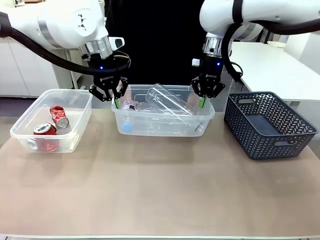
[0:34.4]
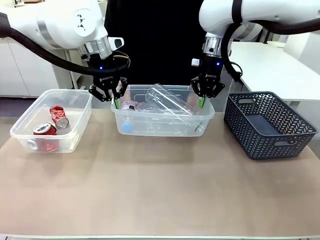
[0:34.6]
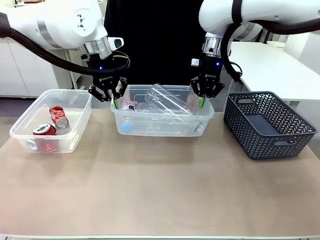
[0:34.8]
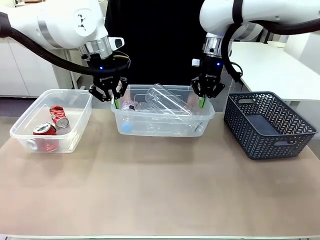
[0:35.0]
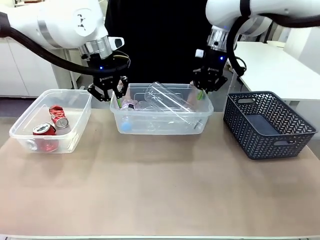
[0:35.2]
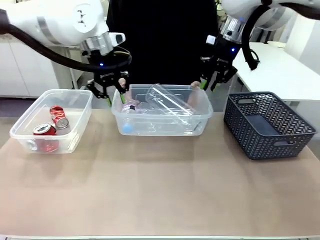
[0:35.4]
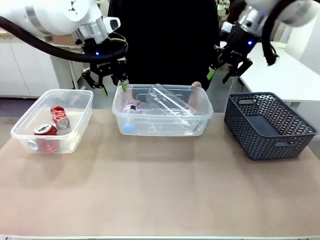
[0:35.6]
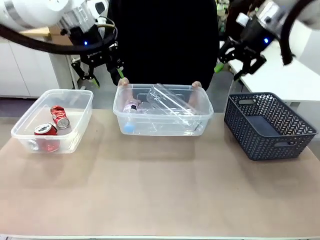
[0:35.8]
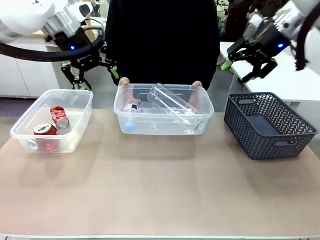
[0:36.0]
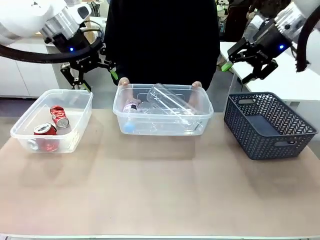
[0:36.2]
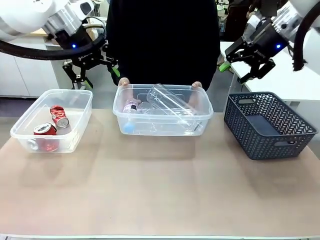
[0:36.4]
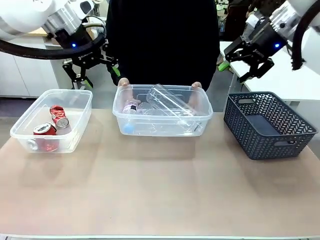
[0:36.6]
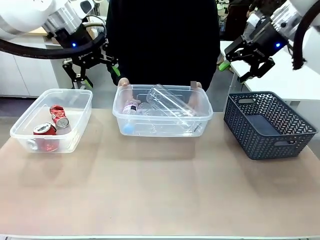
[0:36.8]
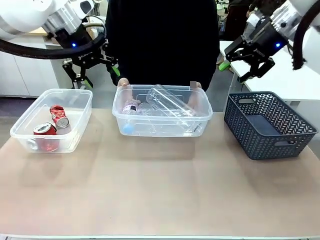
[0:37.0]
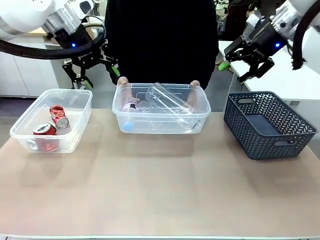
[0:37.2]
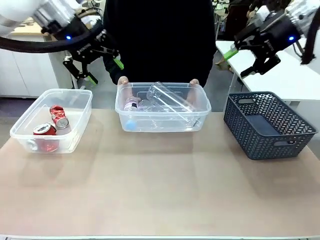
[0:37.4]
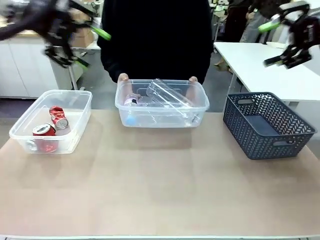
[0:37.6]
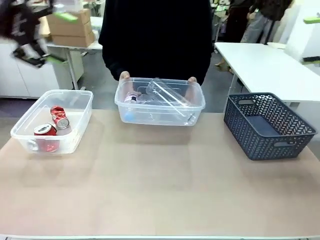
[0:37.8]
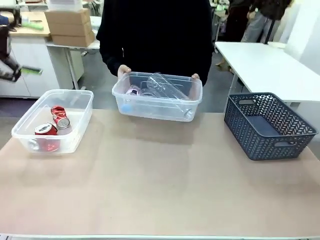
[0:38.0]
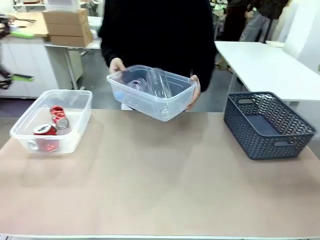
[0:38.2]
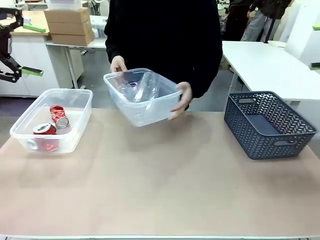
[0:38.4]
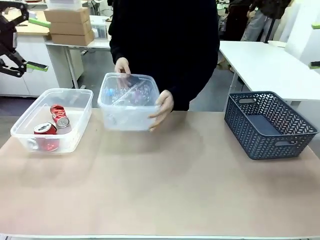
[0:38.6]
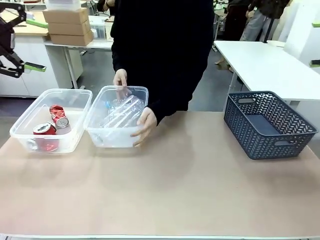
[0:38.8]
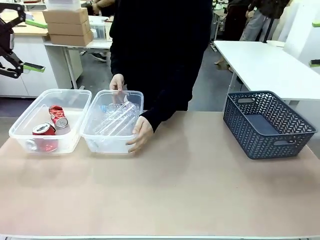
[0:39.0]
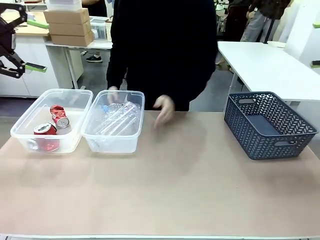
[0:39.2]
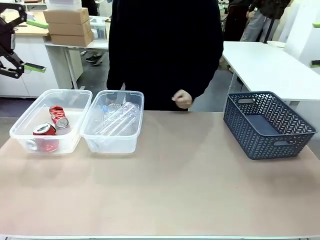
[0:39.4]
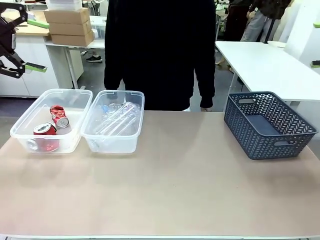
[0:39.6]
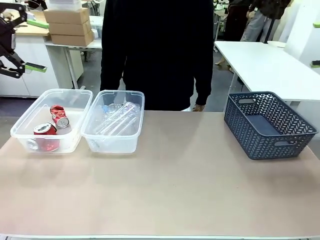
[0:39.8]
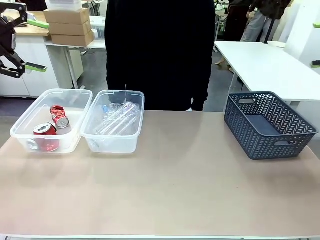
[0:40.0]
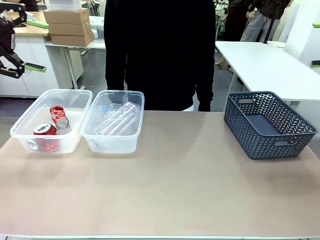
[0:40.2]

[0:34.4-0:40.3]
Robot: Release the Organizing box you were holding.
Person: Pick up the organizing box extended by the robot. Place the organizing box to the left of the sorting box containing the can waste.

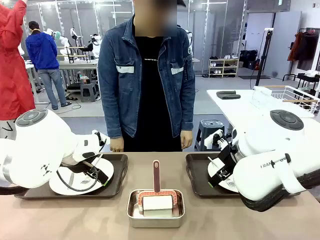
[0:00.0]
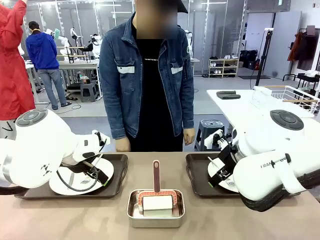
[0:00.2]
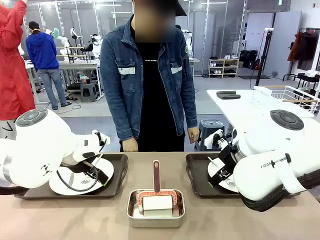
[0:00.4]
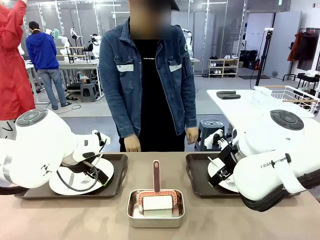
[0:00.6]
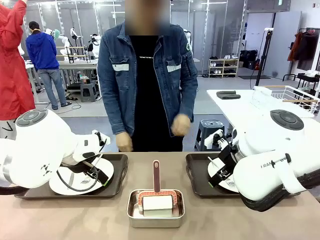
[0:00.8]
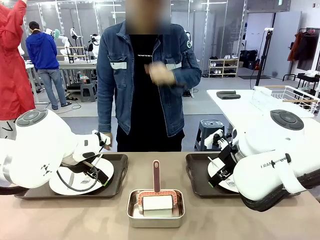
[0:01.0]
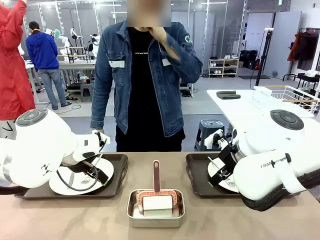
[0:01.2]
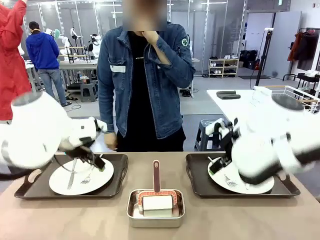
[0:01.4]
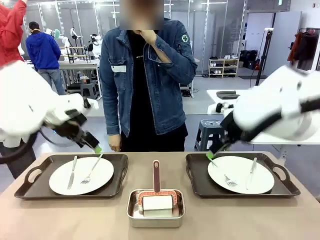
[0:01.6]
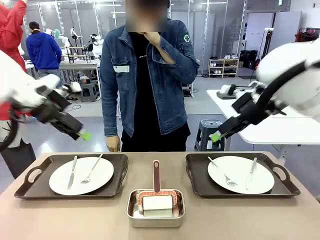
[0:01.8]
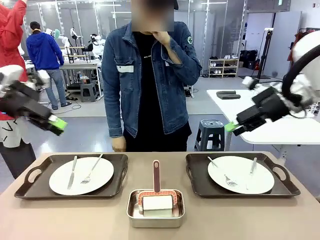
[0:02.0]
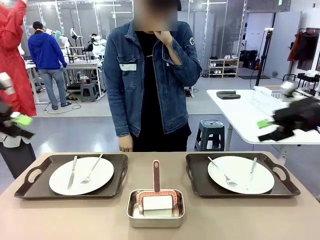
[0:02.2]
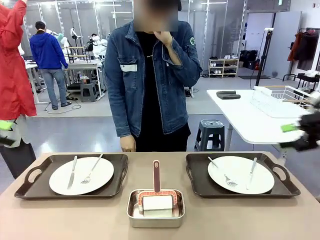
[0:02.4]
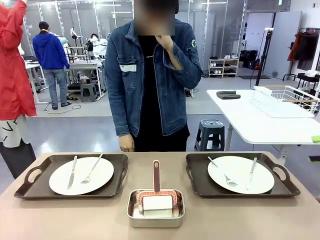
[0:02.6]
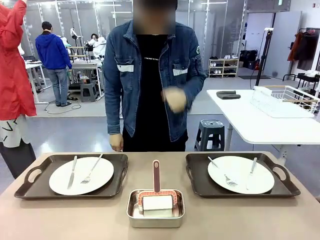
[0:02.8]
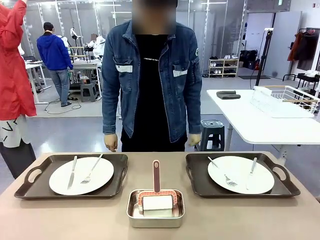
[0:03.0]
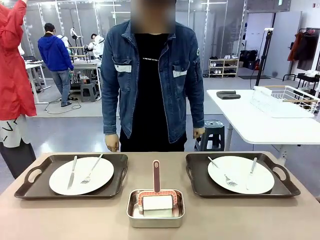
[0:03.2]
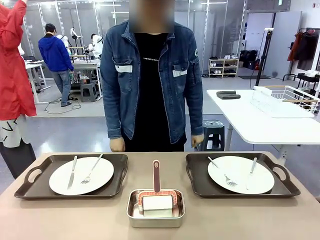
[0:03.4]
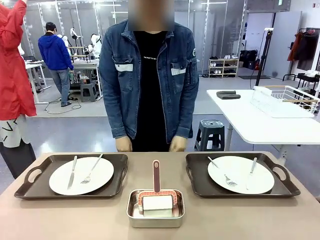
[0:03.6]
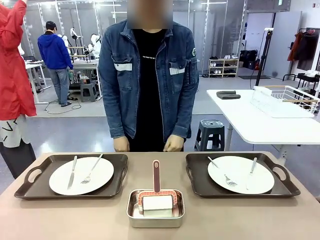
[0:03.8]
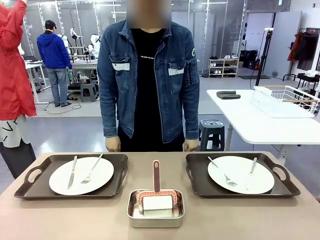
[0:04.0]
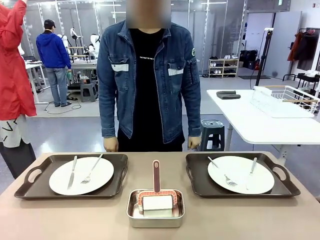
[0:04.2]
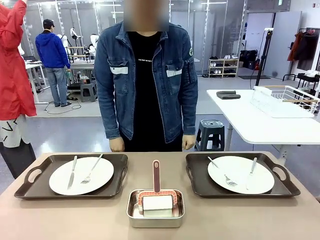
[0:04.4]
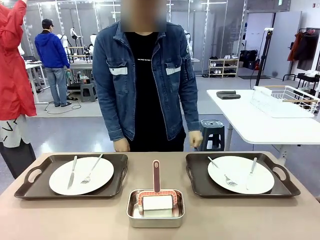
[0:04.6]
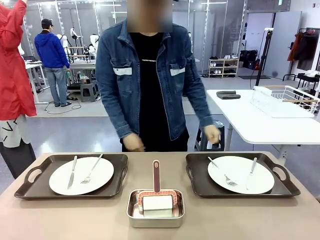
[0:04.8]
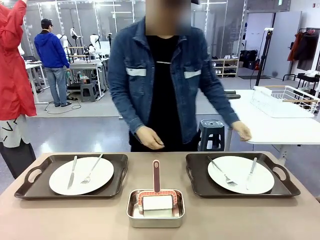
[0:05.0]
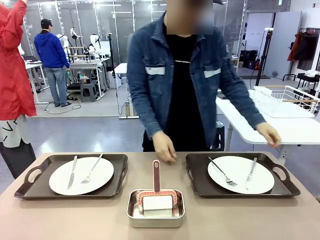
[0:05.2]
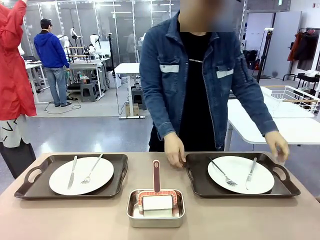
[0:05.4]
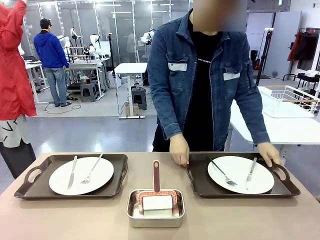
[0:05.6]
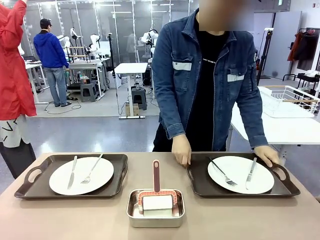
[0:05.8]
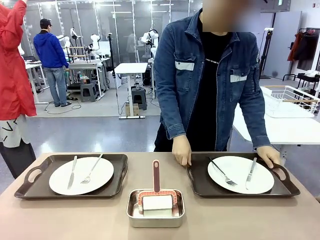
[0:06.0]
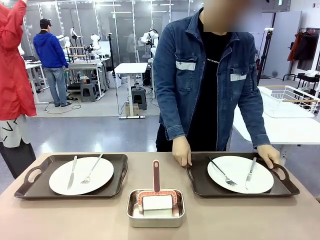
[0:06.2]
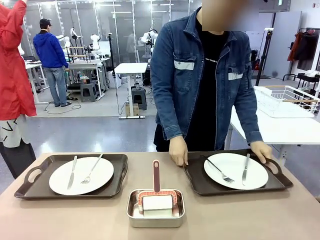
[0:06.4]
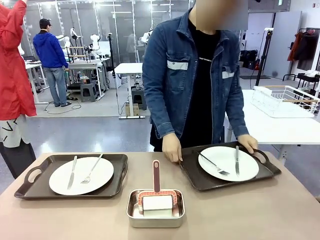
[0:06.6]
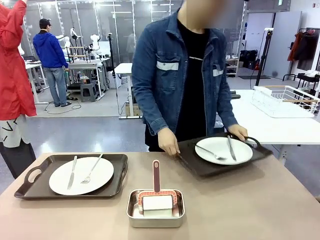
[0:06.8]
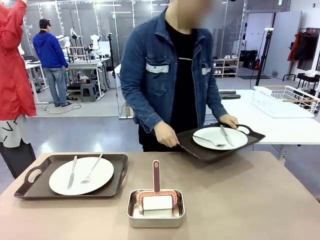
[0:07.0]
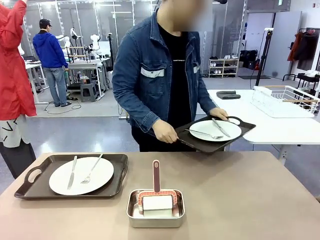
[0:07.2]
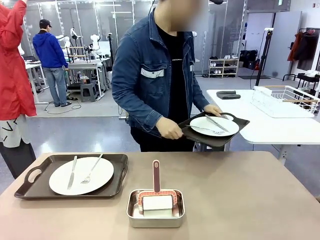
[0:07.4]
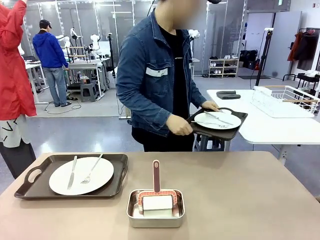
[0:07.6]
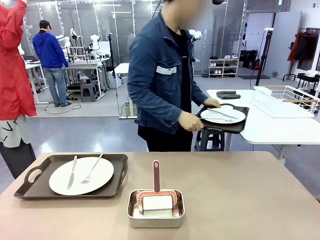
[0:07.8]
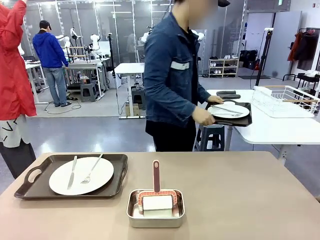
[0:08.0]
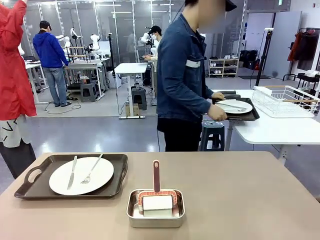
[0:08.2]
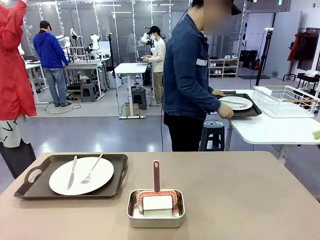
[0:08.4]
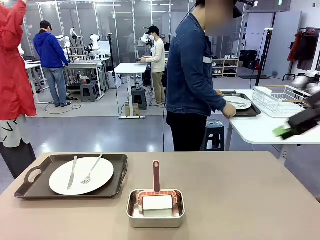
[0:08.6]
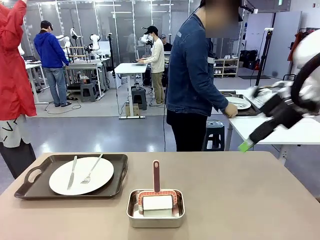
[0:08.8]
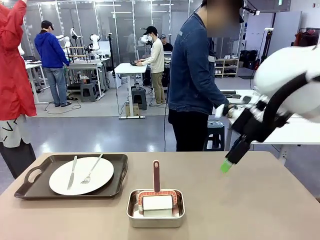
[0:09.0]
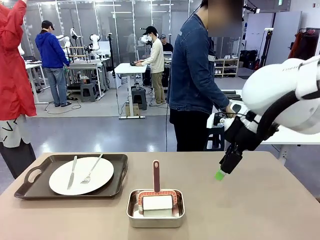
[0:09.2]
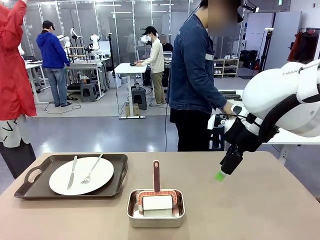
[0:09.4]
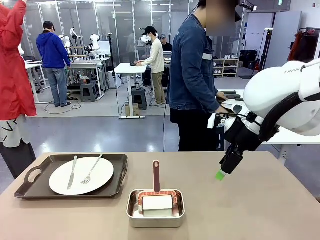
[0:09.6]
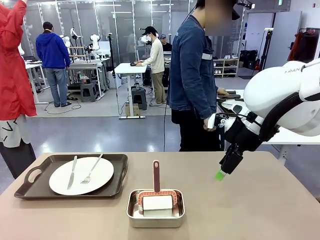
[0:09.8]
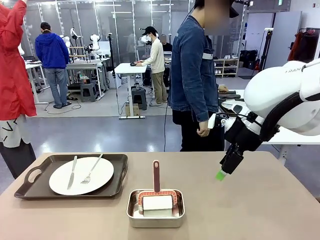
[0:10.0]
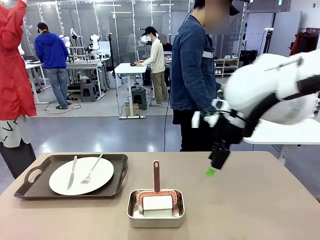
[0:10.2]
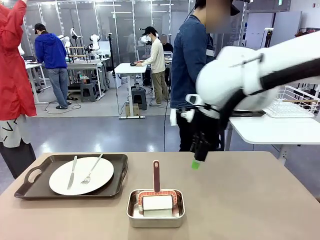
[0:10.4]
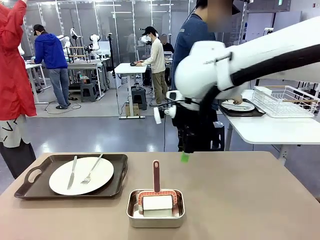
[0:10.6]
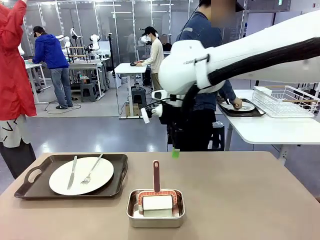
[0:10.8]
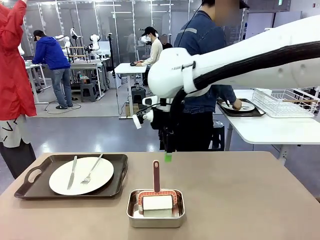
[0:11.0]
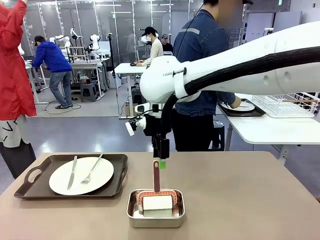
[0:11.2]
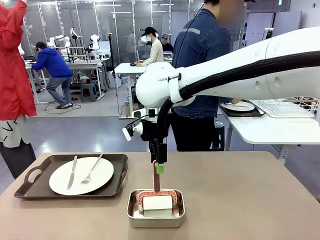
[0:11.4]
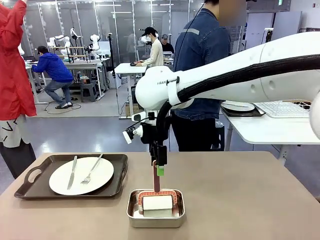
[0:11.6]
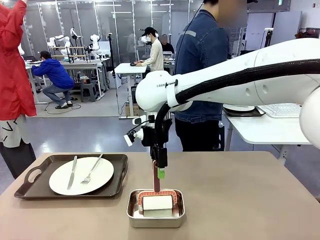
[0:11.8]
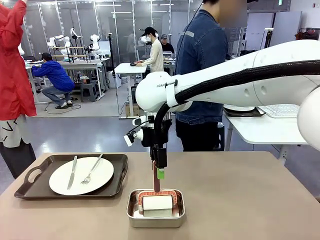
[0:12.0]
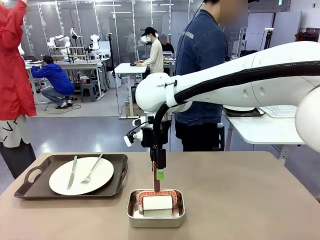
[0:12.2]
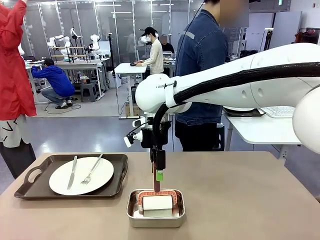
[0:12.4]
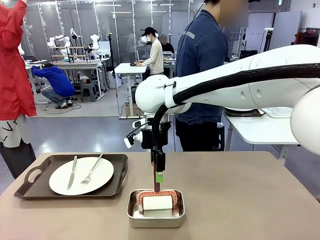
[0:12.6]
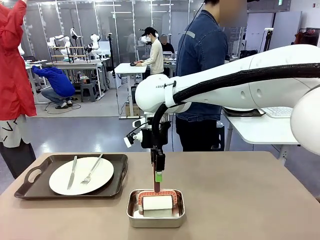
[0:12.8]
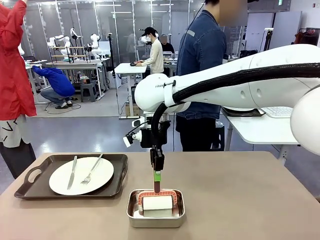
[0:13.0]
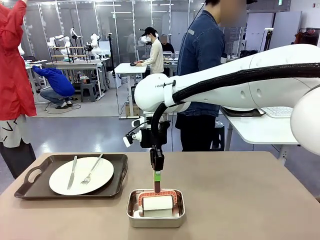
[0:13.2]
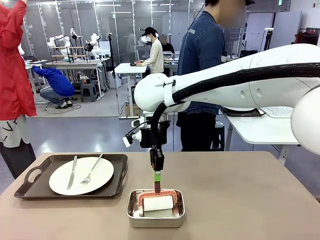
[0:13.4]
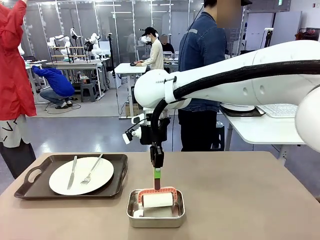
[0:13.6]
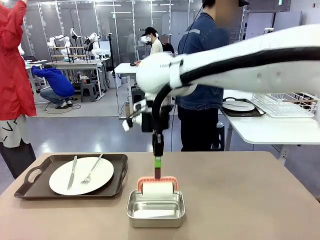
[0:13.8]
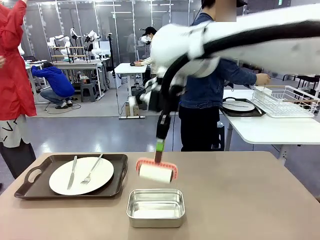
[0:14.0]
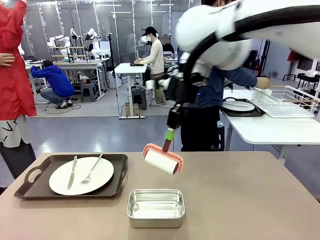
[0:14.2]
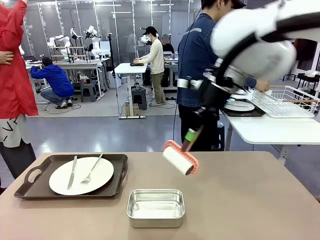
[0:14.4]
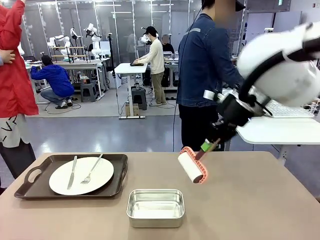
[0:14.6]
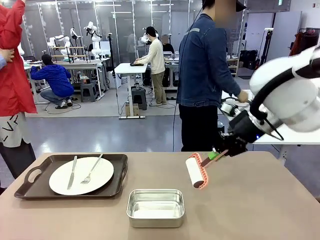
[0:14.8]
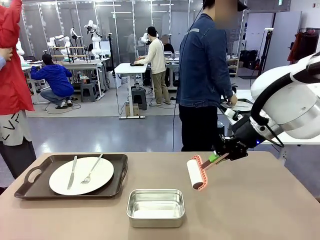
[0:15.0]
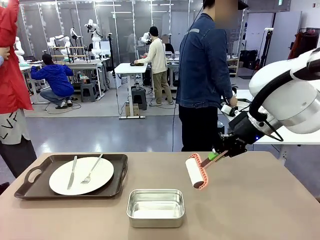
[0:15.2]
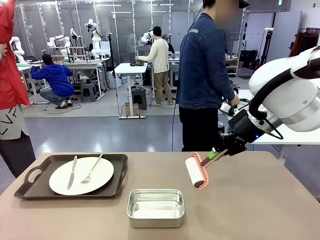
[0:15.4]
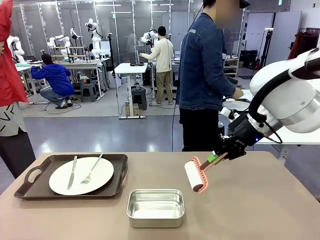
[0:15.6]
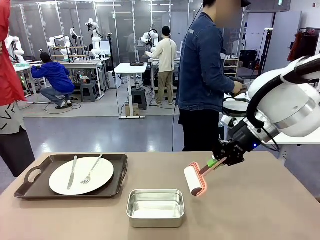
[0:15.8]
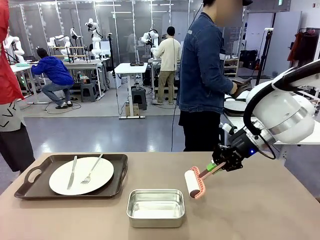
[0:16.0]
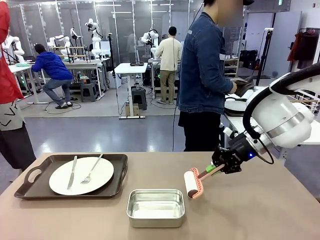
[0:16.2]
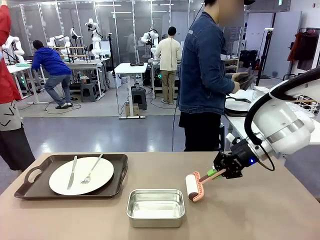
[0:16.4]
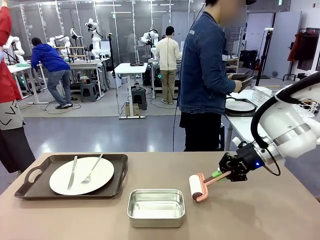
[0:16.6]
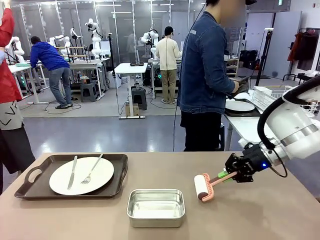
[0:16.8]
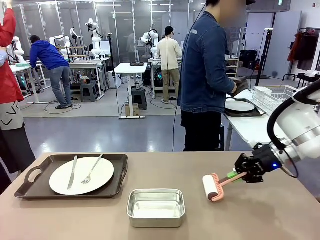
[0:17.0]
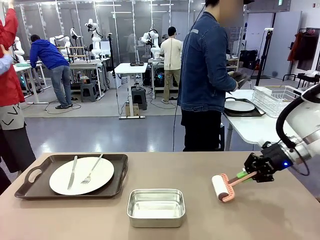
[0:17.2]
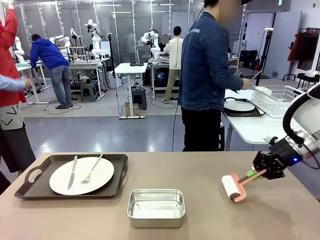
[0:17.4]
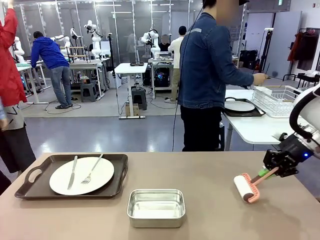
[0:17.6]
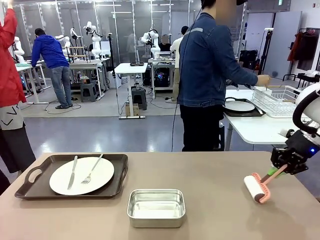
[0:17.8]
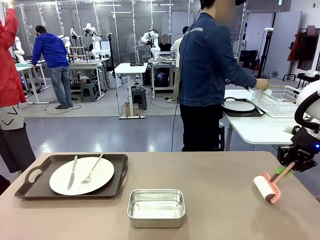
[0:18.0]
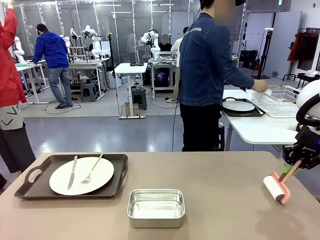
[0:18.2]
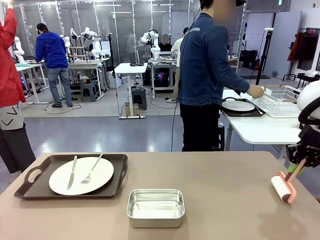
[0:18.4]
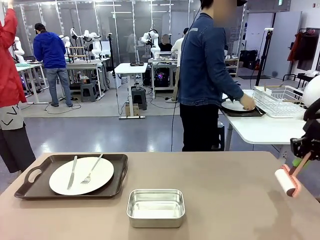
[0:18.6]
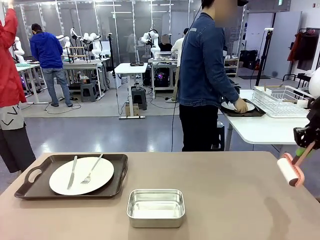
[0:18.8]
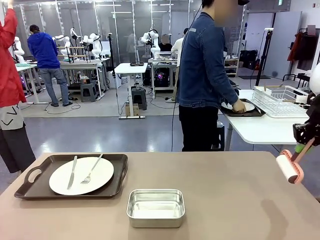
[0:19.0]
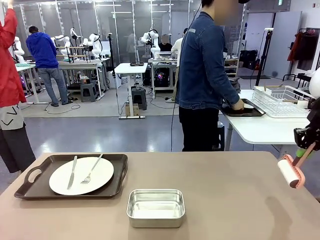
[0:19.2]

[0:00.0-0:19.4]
Robot: When the left (or right) Handle tray is removed, use the left hand (or right hand) to clean the left (or right) side of the table with the Lint Roller.
Person: Pick up the left (or right) Handle tray and place it on the middle of the Human's table. Use the Towel with hook to wipe the Plastic Matte Plate , Fork , and Knife and place into the Dish drying rack.
